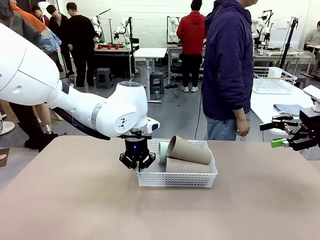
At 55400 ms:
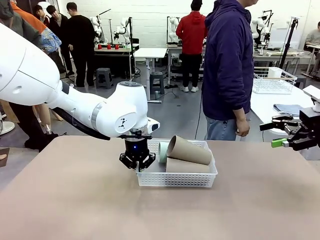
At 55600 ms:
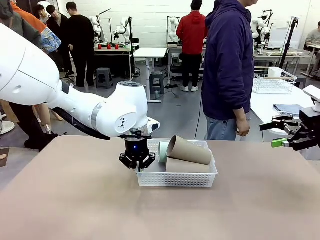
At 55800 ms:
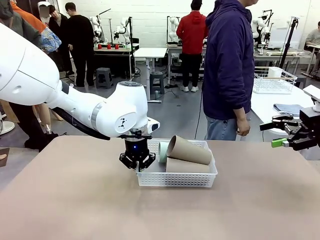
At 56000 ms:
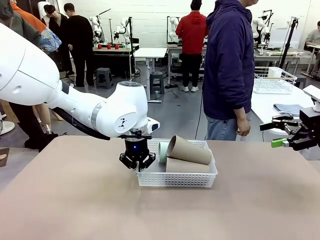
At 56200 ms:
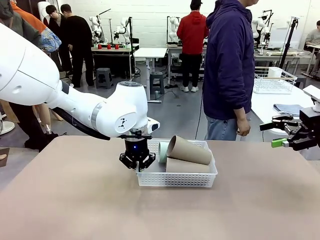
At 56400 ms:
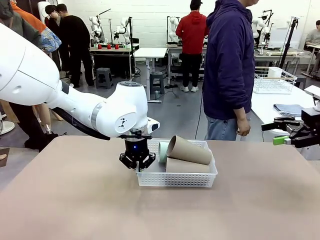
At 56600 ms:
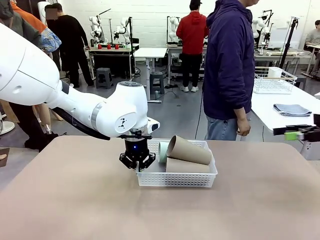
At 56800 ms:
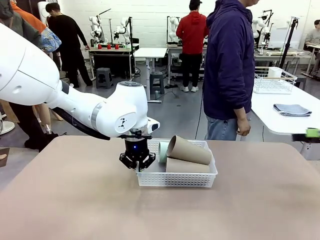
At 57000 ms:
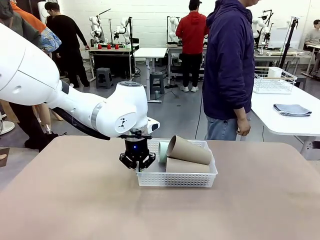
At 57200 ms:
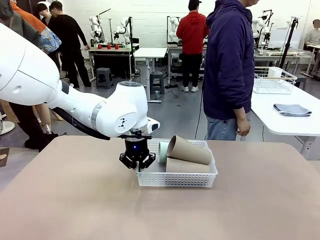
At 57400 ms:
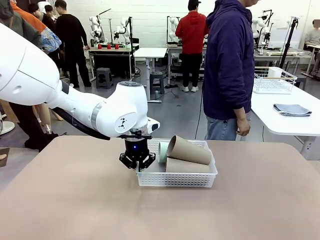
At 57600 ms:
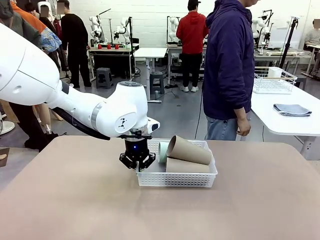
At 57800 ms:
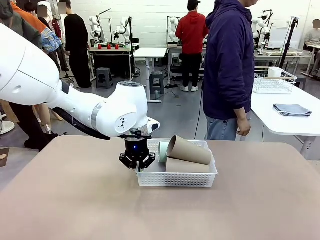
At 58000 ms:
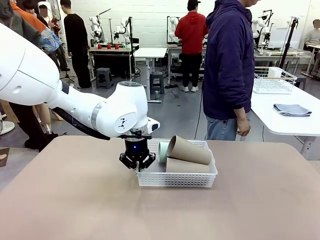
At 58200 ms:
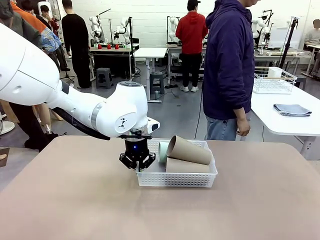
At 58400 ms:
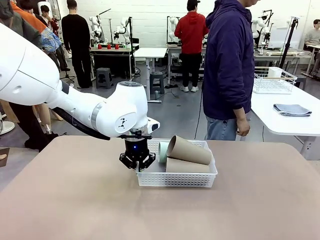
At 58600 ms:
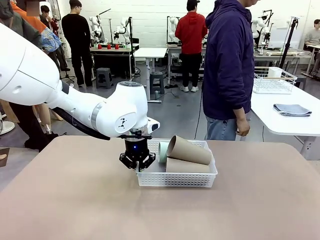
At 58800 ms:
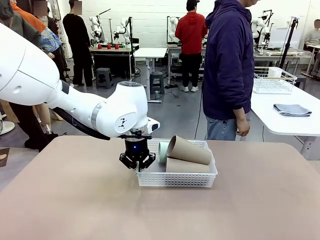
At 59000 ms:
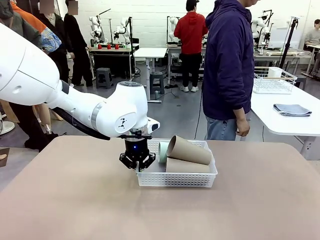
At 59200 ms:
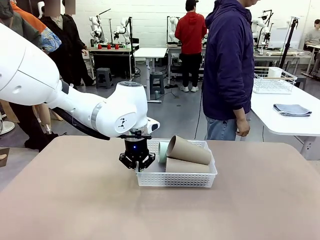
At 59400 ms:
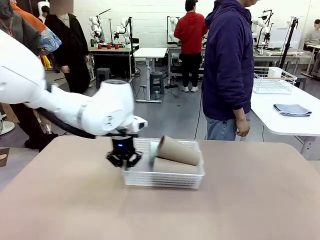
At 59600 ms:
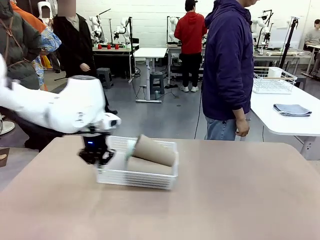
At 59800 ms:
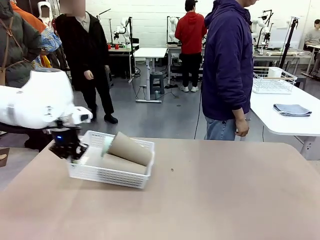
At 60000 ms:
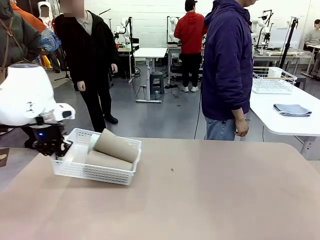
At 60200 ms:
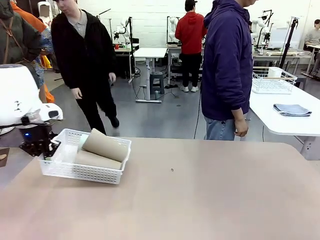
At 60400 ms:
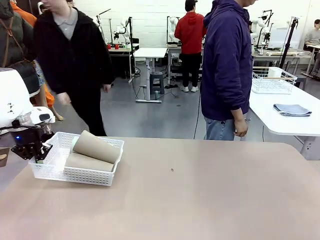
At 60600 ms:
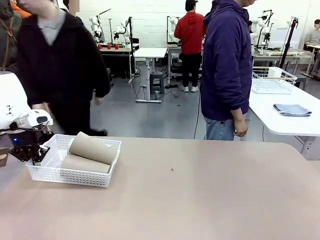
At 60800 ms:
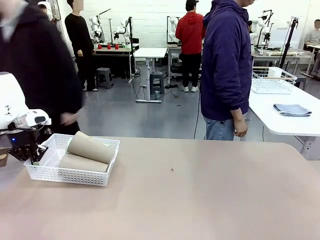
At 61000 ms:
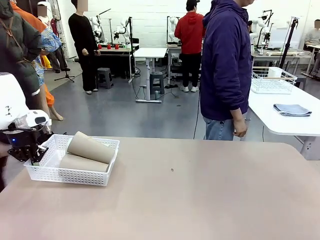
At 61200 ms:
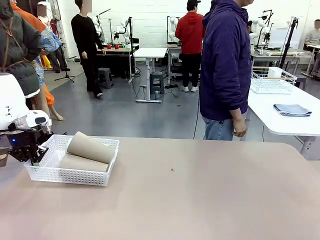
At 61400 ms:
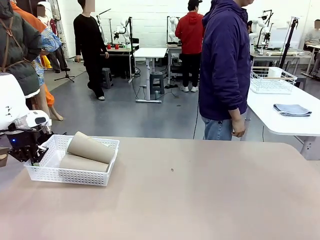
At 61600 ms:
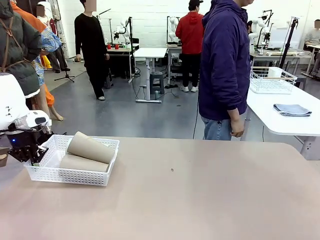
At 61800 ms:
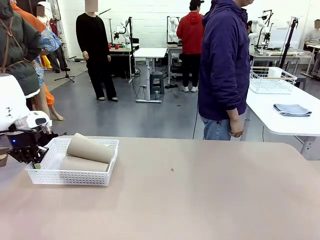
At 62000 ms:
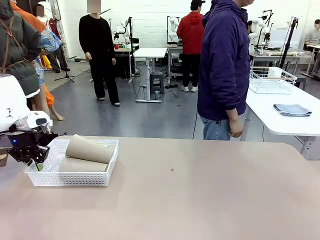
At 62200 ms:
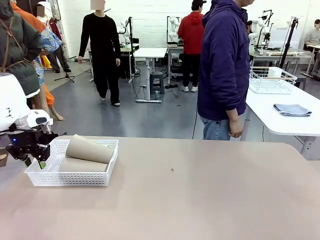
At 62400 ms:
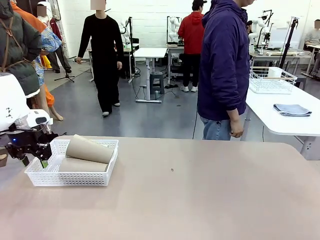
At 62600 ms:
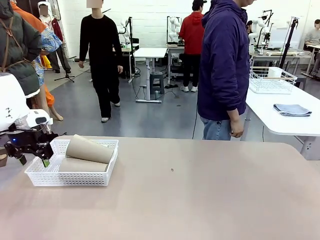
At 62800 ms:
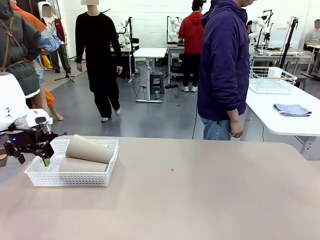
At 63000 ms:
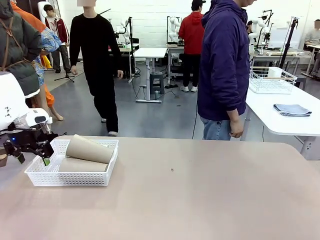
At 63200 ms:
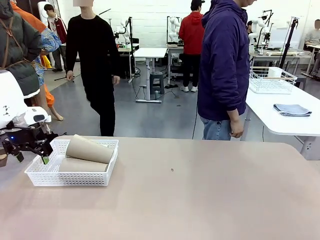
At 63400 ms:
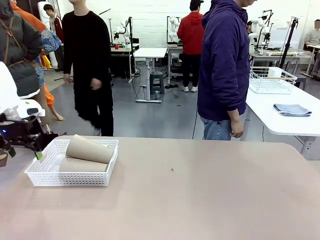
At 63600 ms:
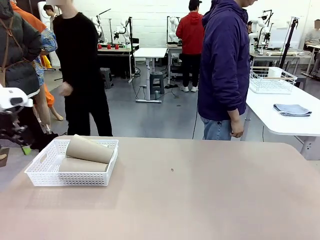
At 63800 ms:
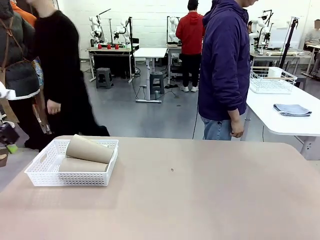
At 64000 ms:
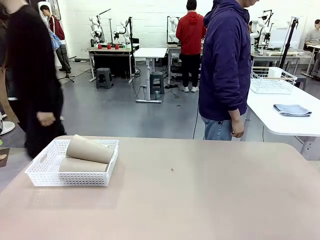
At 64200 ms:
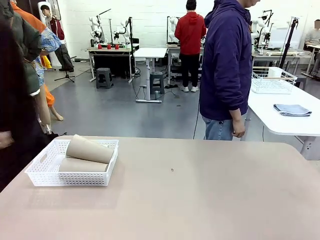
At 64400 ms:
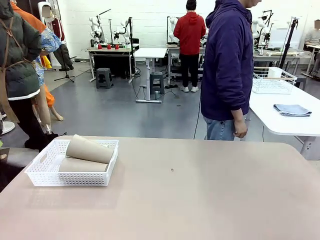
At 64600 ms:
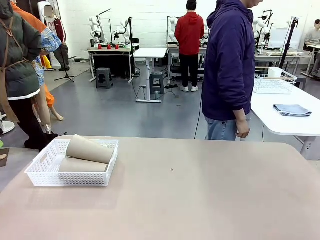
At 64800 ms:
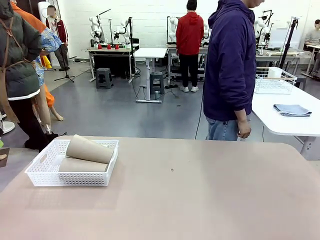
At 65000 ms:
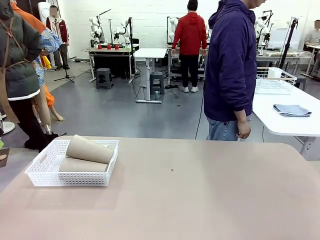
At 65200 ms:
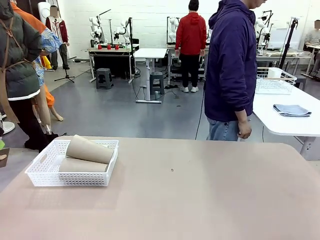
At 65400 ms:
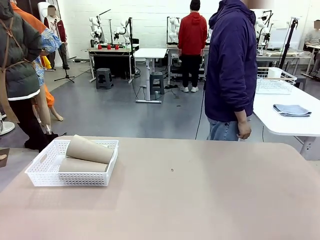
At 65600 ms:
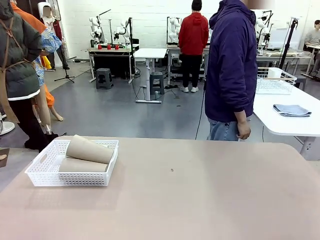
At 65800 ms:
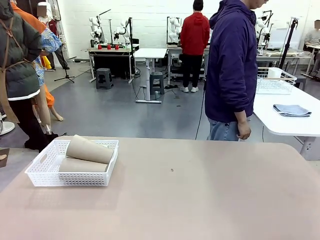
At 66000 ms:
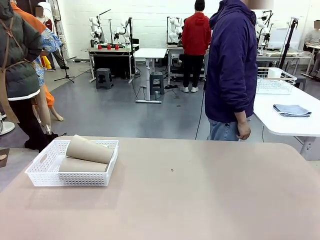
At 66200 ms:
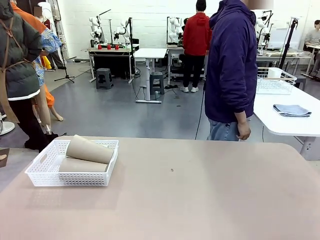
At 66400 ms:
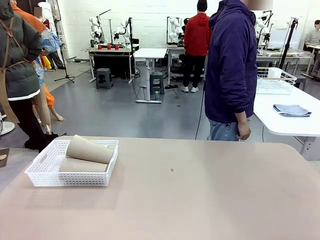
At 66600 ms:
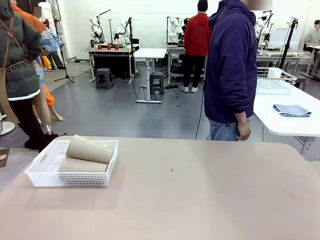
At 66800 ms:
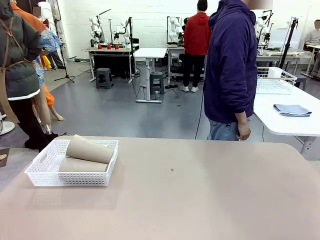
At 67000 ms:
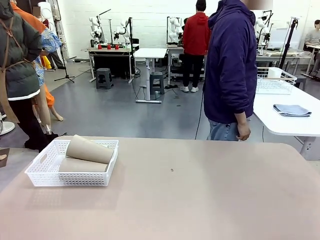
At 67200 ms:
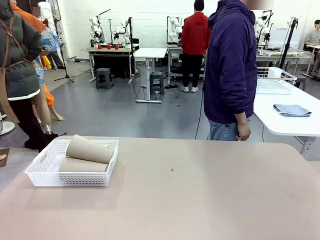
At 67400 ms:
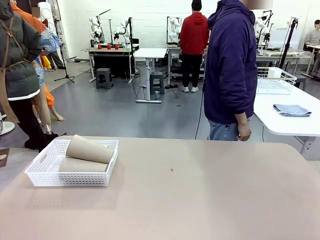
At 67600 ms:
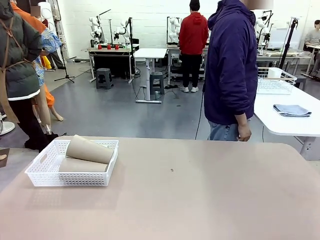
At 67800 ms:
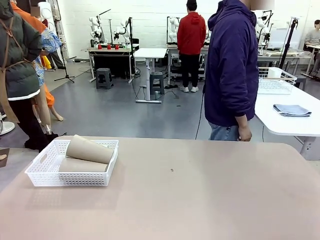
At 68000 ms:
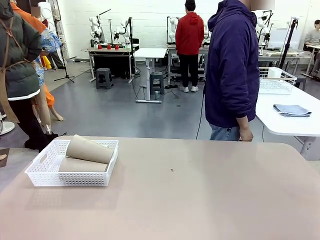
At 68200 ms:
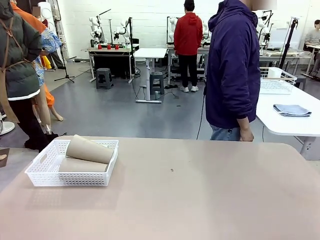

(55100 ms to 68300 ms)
Task: Clean and organize the cups into the basket.
Robot: Move the Organizing basket back to the left side of the table.
Person: Folds the towel in half twice and places it in the right of the table.

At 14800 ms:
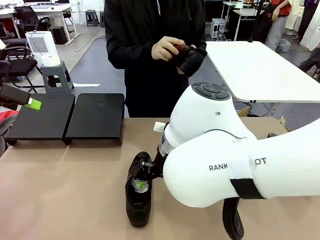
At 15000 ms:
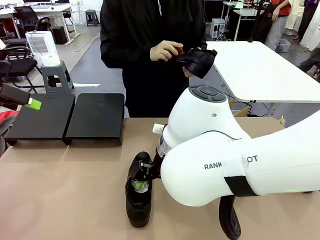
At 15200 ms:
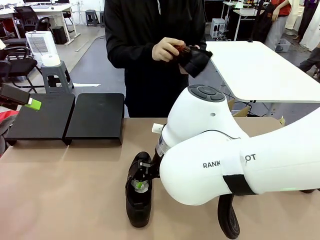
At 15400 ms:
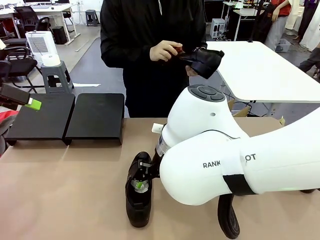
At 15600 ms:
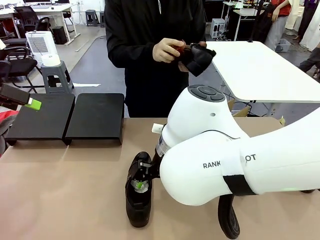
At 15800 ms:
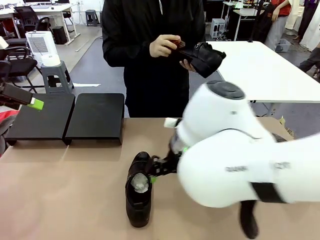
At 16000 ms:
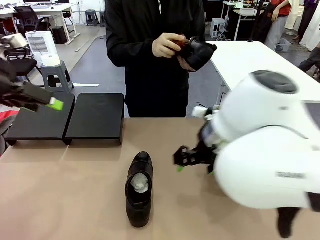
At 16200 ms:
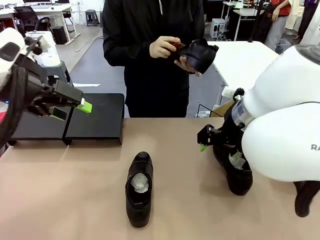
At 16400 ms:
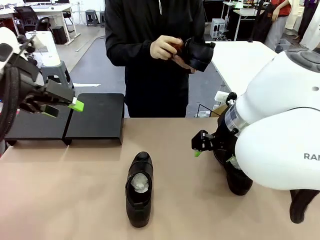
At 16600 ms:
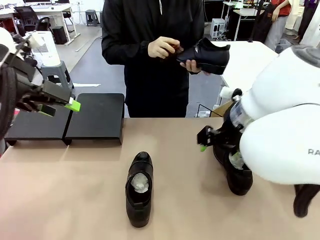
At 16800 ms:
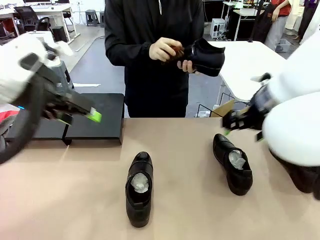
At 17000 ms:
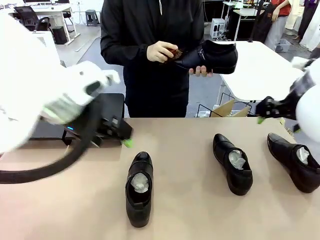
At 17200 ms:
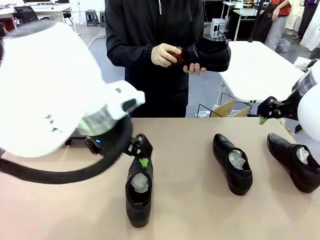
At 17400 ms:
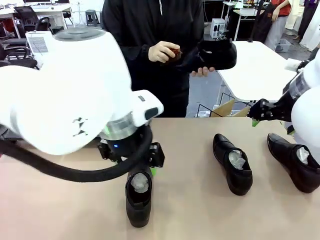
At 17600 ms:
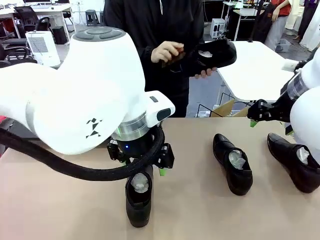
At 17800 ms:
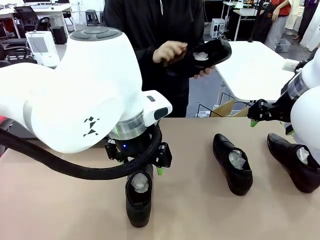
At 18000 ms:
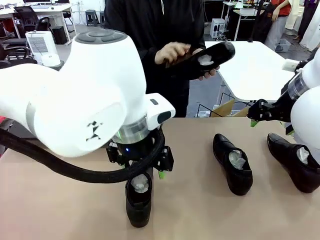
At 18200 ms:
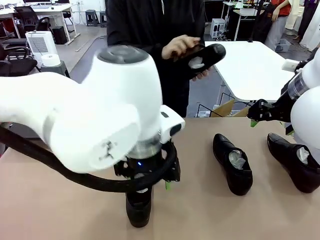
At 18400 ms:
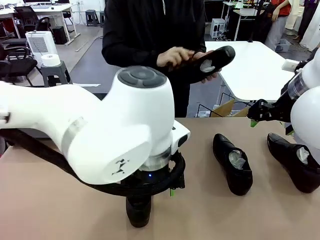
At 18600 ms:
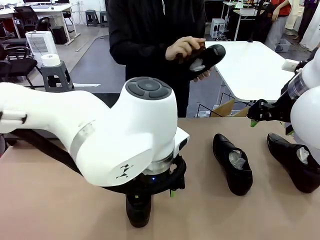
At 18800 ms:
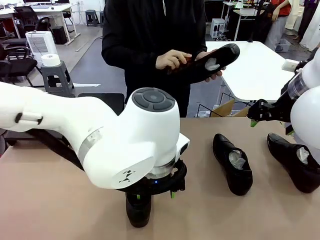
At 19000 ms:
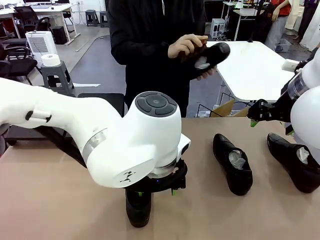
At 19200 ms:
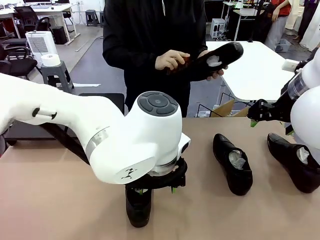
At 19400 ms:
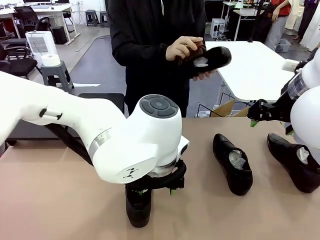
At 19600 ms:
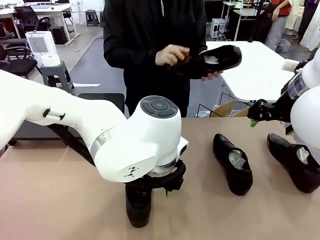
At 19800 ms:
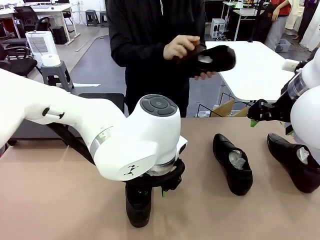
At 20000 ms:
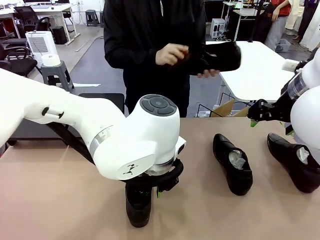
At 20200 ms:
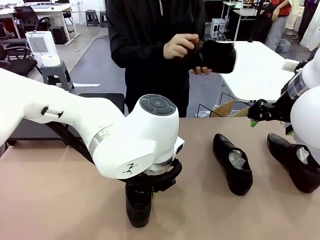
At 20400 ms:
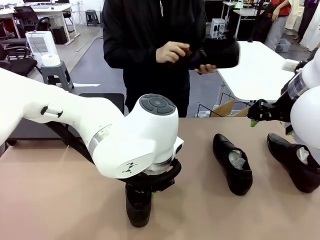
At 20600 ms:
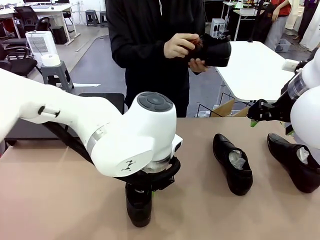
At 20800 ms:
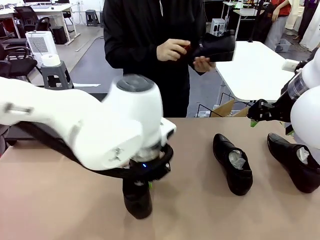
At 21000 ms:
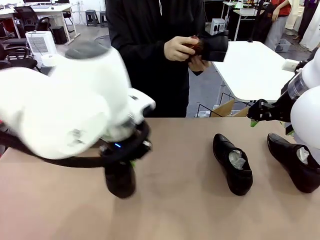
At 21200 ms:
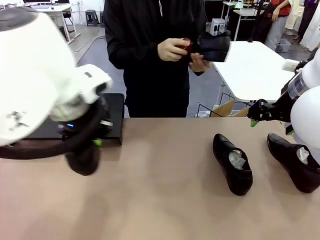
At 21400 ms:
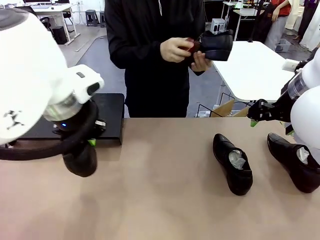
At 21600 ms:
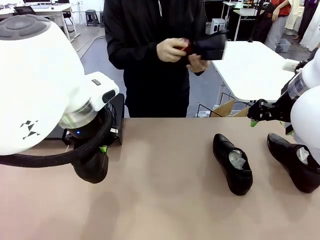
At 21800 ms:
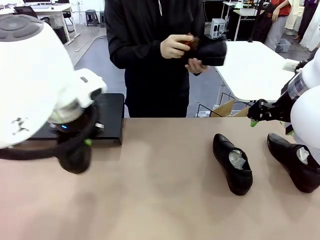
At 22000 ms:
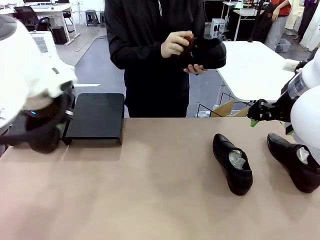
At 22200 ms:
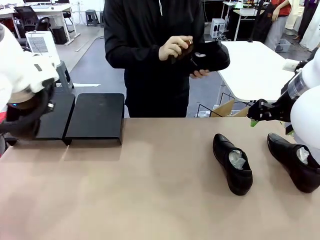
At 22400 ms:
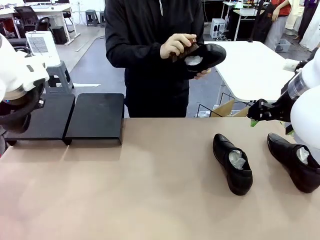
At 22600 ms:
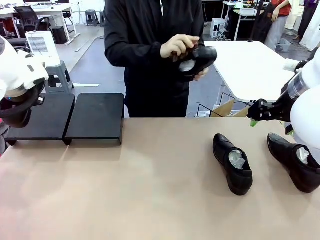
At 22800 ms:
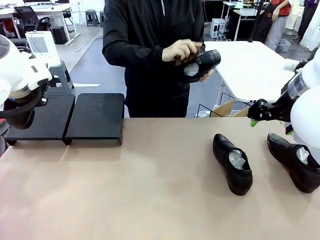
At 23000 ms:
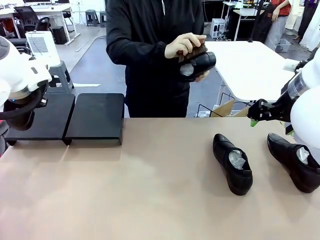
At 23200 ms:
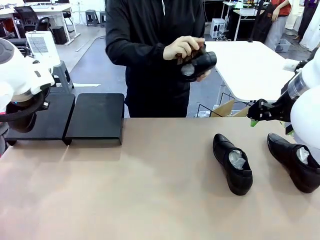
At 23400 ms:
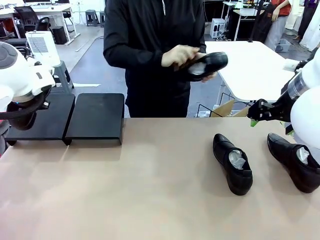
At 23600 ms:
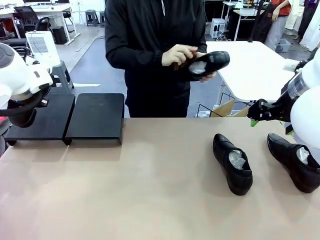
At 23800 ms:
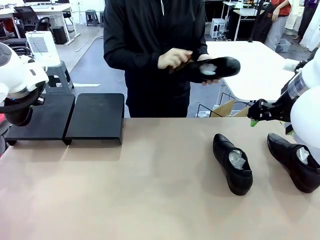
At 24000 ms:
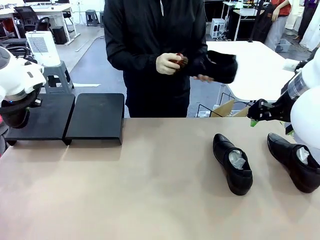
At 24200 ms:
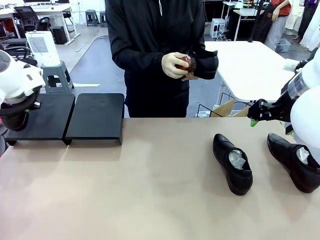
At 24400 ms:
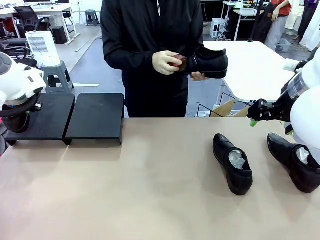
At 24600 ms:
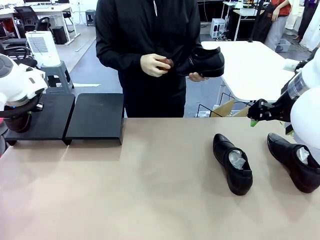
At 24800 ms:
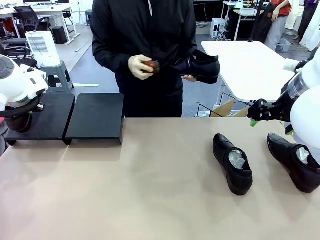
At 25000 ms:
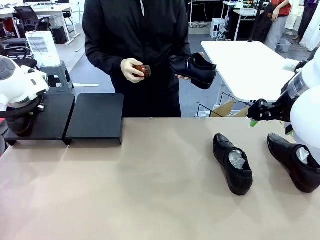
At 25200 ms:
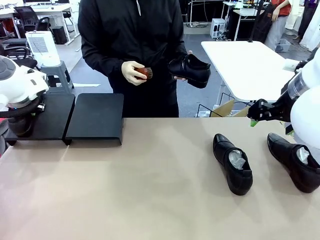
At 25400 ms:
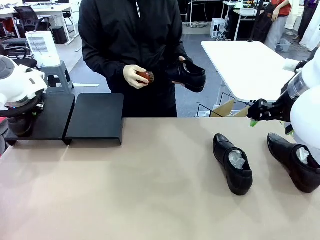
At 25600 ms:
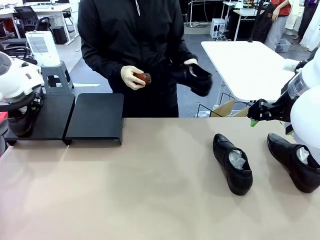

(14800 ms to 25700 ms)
Task: Organize the shoes by placing them on the stand.
Robot: Place the Shoe from the middle of the table onto the Shoes Stand.
Person: Clean the Shoe with the Shoe Brush.
